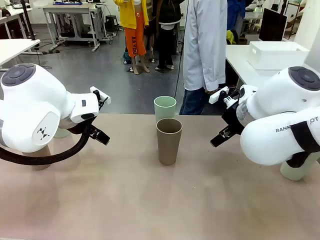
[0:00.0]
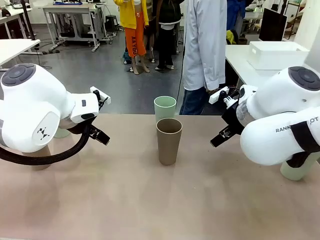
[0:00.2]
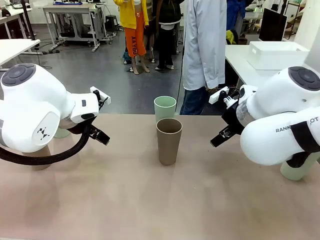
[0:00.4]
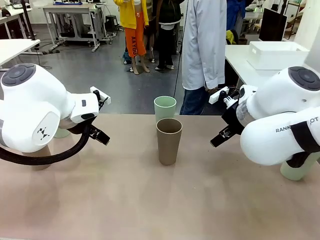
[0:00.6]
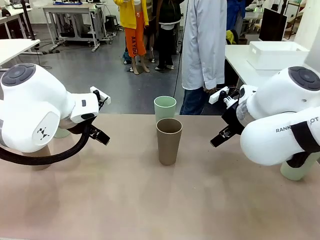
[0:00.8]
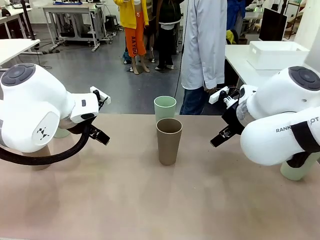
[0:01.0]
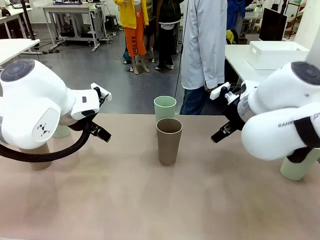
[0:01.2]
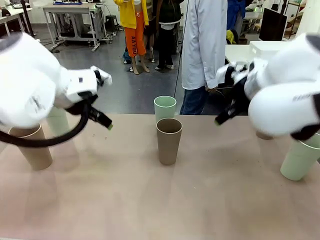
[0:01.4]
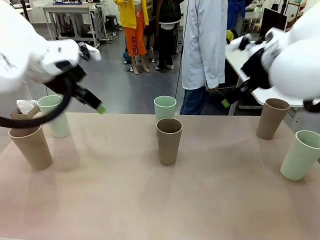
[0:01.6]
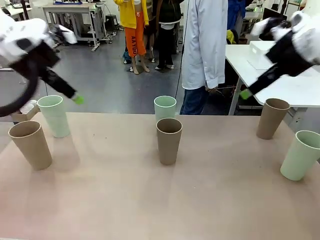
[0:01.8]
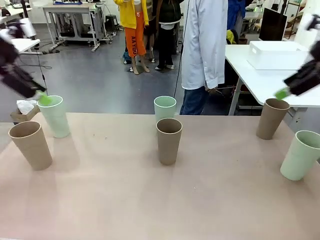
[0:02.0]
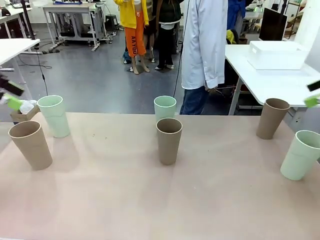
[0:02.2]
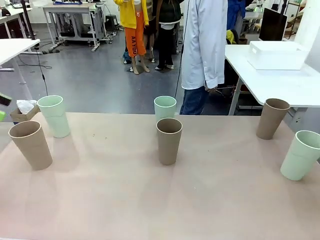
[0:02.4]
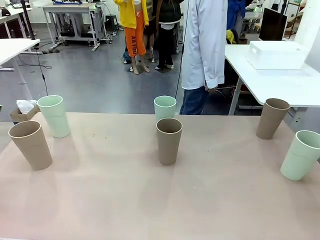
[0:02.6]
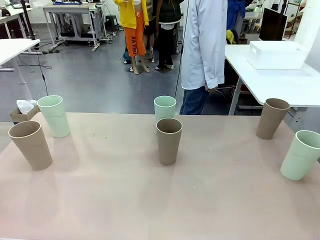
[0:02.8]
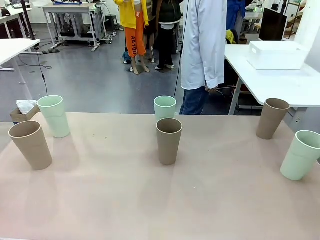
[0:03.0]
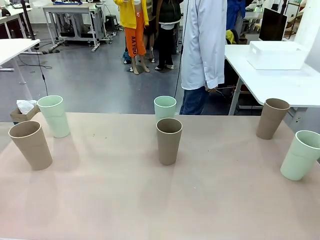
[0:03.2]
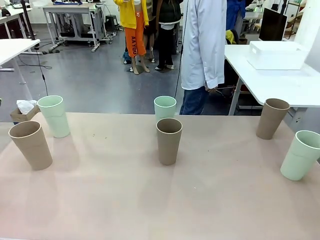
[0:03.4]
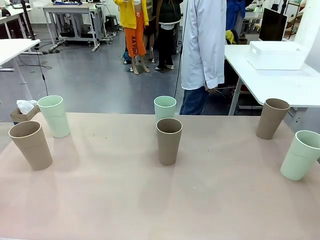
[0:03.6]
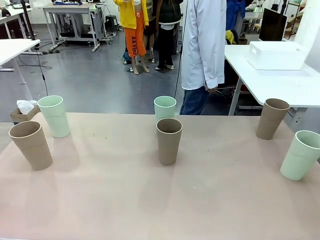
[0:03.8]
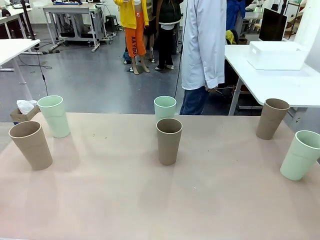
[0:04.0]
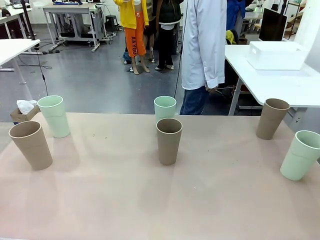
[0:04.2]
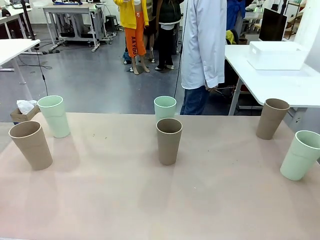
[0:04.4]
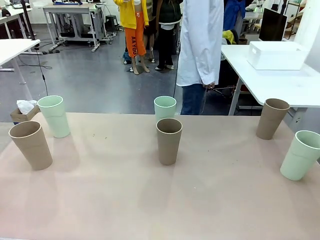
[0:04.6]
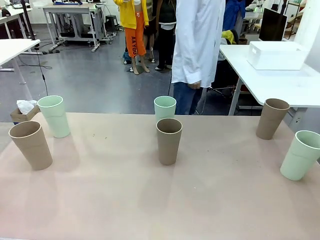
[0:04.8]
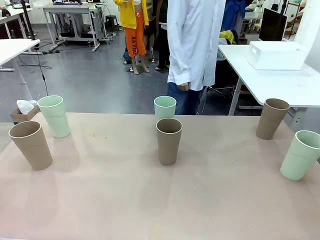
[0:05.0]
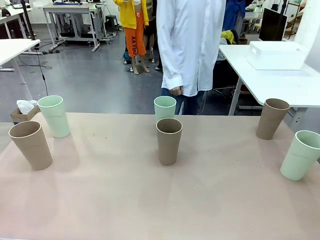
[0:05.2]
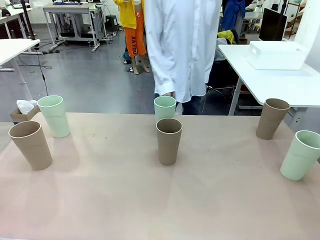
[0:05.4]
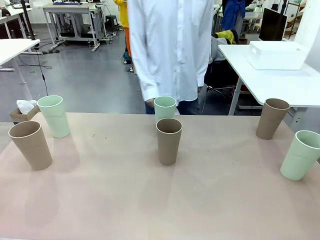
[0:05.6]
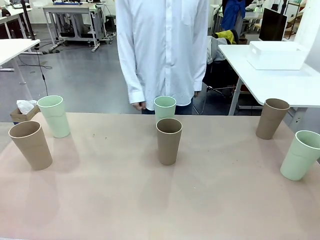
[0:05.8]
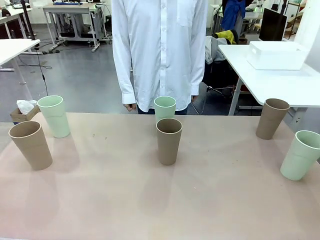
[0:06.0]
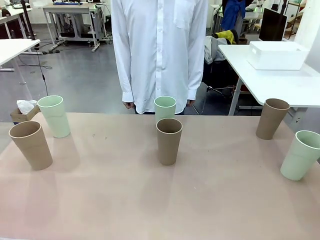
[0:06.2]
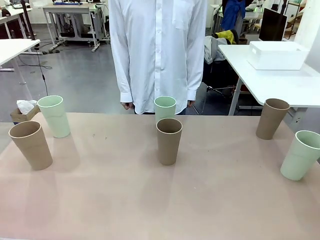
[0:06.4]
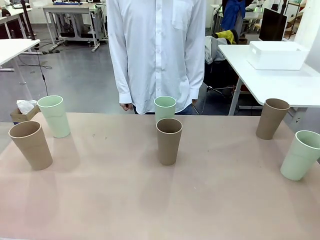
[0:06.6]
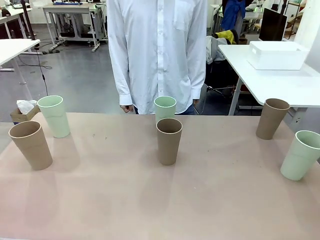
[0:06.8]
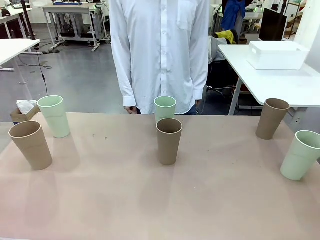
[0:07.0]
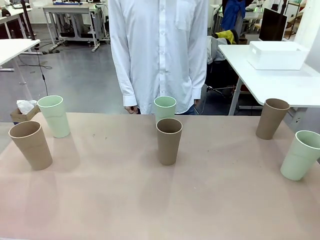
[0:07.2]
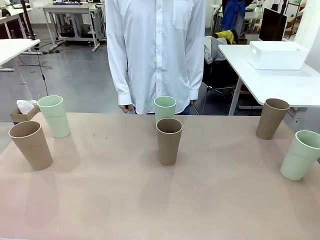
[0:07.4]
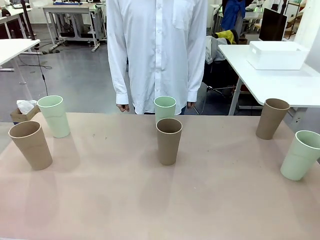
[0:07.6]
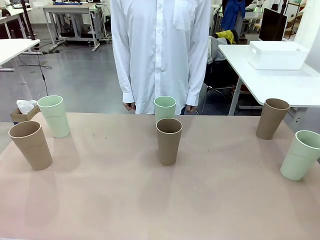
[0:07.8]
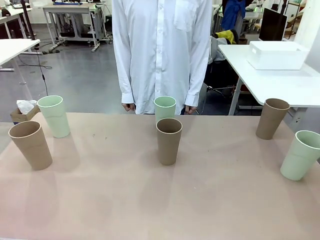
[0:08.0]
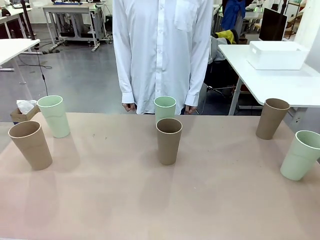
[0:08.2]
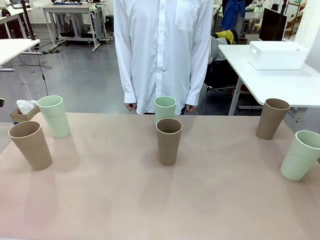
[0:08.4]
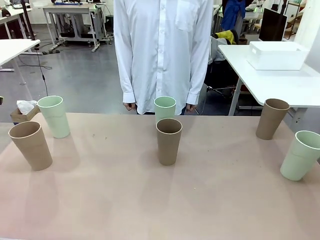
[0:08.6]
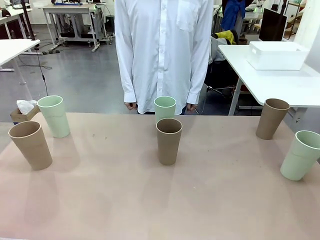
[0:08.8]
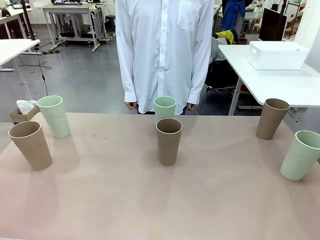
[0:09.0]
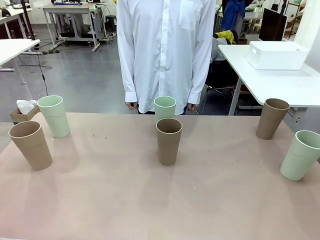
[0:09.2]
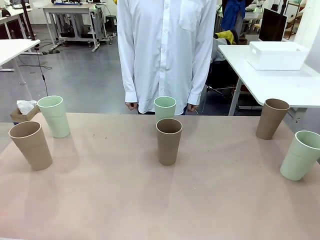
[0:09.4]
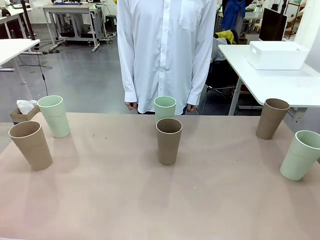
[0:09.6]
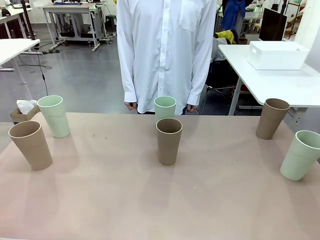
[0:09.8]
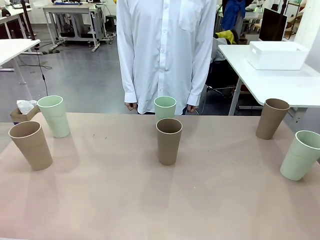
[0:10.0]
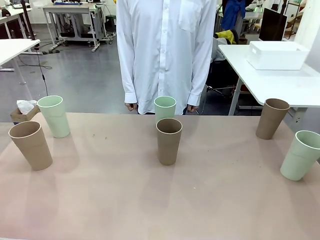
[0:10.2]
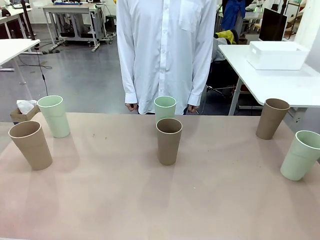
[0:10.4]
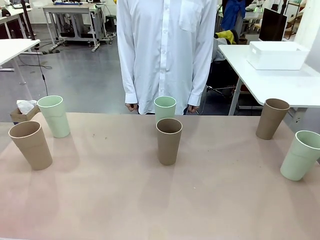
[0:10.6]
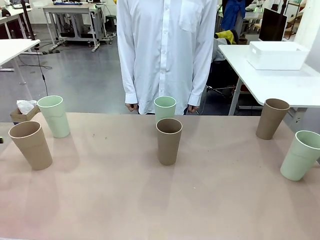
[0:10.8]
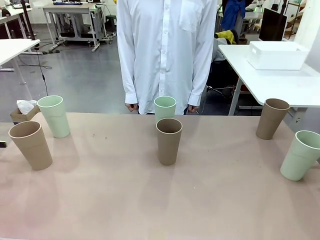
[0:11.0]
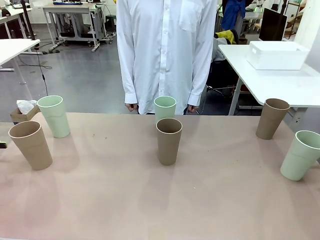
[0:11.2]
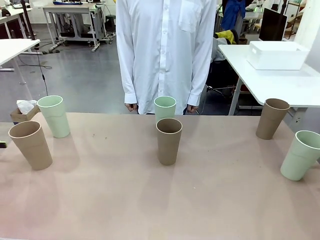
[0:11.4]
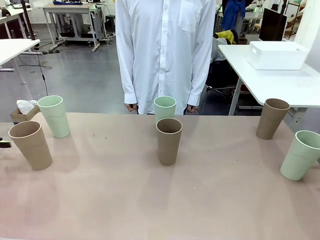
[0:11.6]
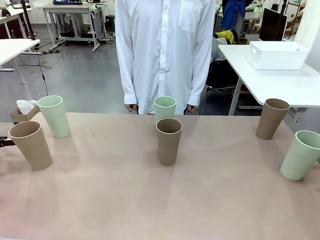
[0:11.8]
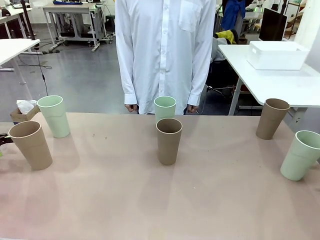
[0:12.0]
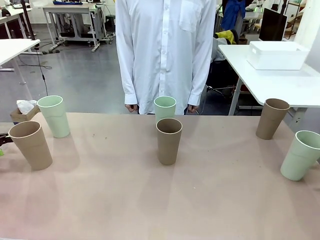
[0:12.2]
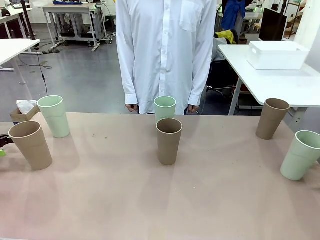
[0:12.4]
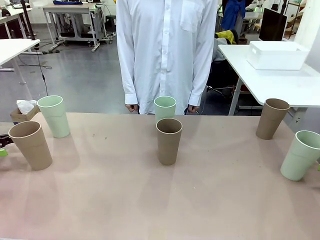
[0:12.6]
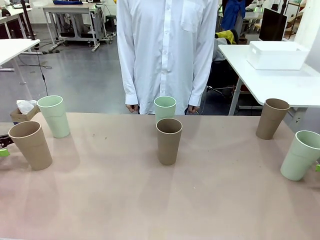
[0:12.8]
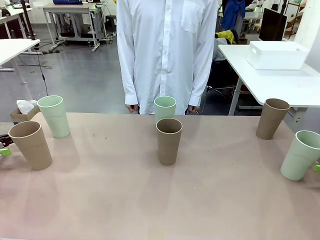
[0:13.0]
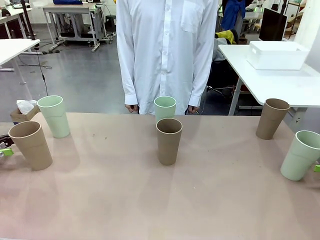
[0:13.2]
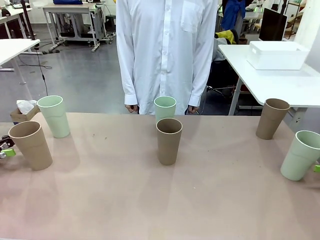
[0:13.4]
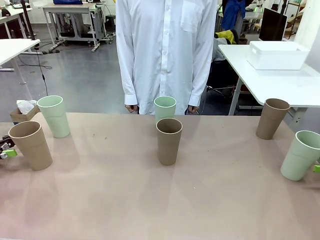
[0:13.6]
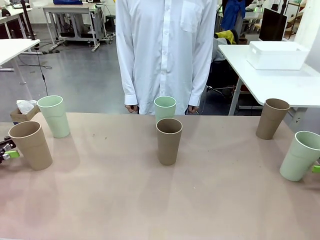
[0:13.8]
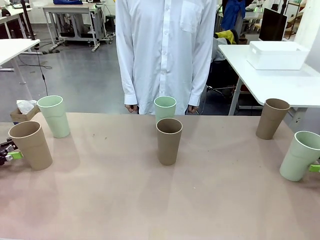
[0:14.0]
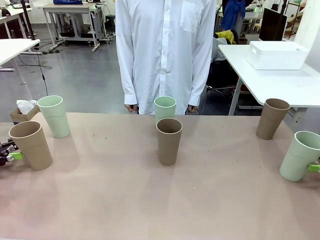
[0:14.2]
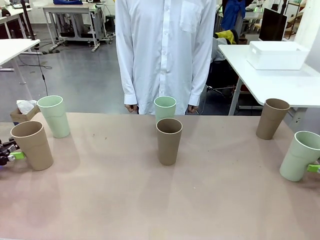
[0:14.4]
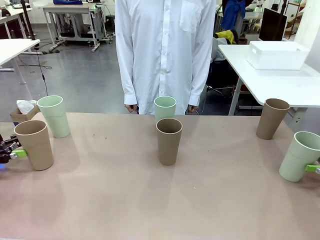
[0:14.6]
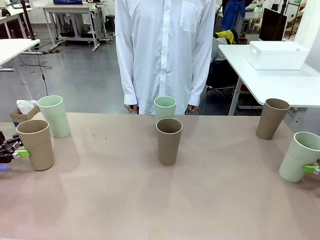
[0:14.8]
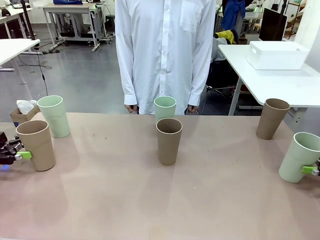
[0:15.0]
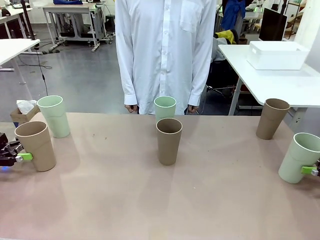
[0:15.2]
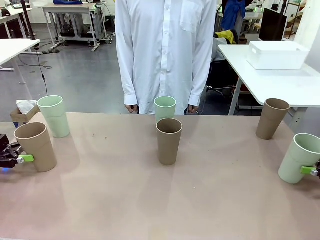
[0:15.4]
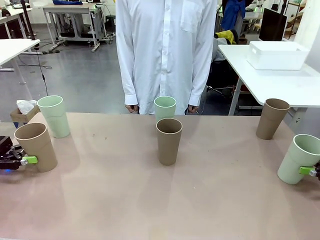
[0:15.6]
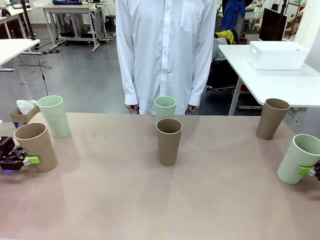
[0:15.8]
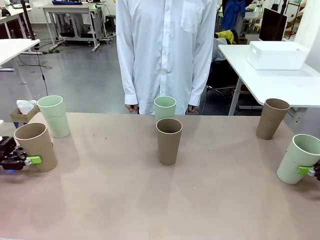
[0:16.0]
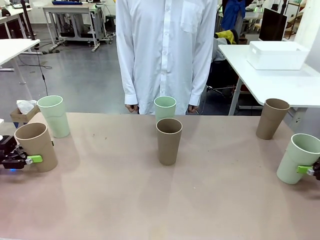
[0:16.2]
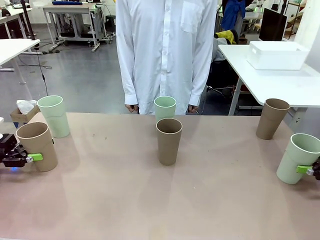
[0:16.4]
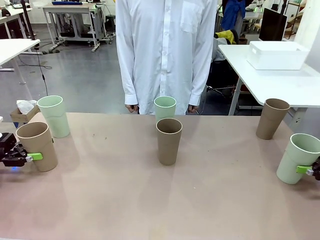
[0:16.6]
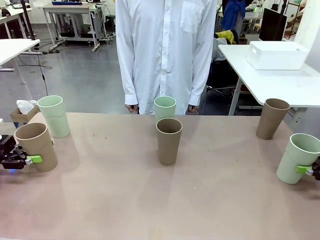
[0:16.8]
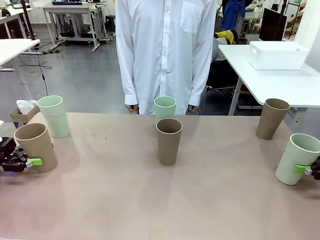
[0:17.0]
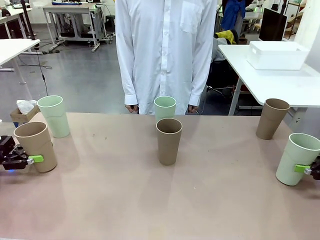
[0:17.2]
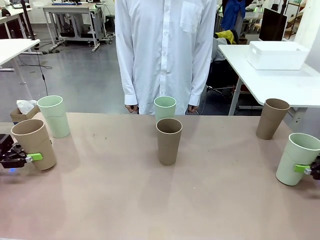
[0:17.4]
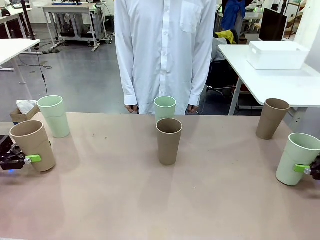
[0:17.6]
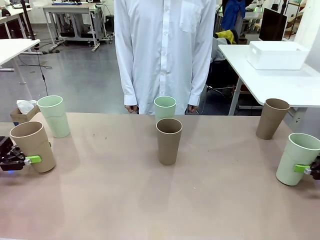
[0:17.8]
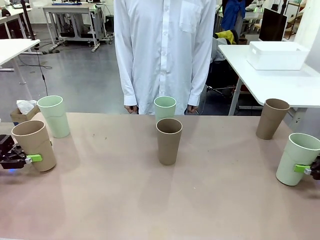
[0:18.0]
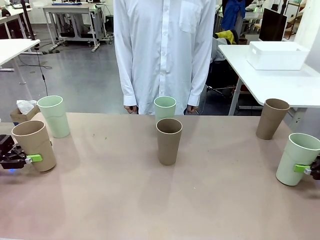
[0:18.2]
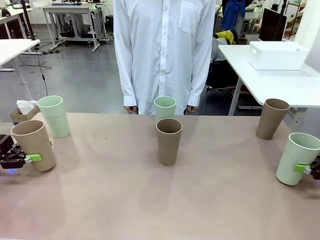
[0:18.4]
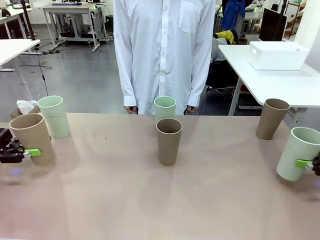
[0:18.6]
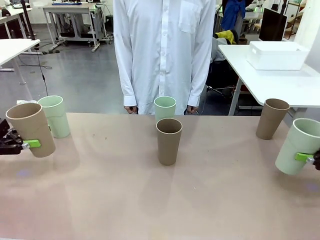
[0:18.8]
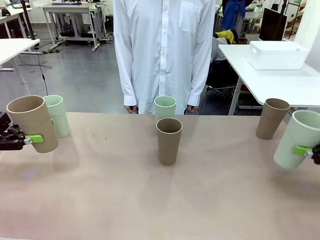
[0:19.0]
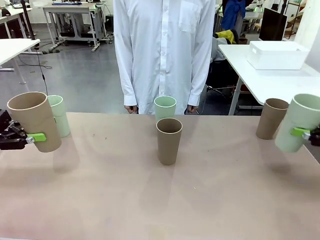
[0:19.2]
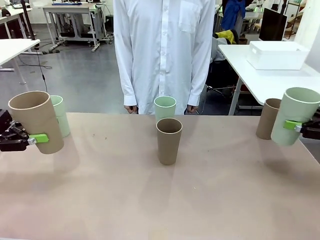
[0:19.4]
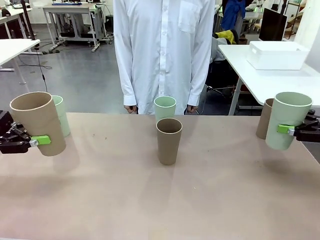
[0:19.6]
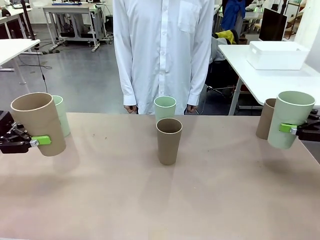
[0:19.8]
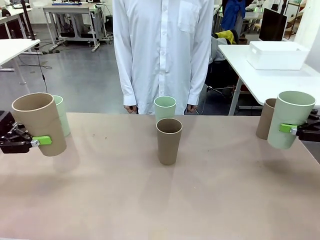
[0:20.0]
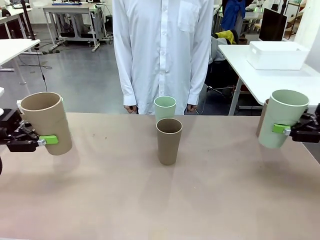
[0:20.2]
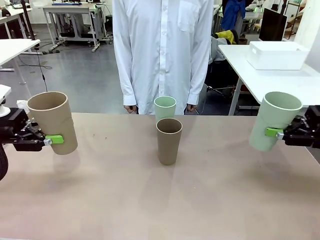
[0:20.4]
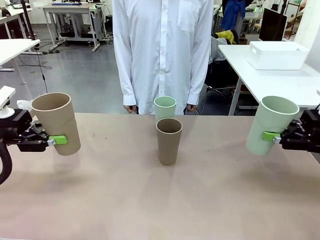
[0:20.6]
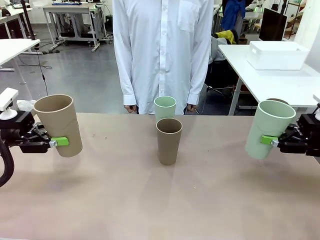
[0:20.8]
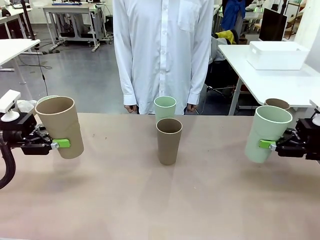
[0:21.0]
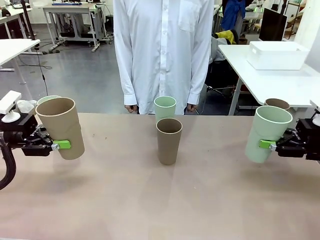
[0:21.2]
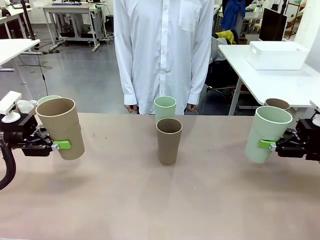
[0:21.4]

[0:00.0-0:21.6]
Task: Stack the cups and store them in the basket.
Robot: Pick up two Reusable plastic cups , one in each hand.
Person: Move from the Human Table to the front of the Robot Table. Stack two of the remaining cups on top of each cup held by the robot.
